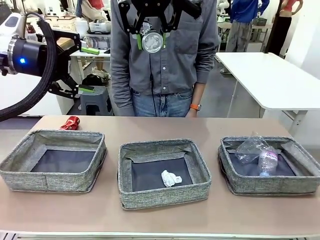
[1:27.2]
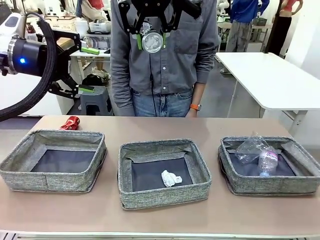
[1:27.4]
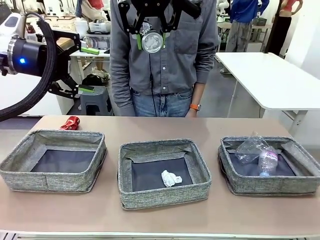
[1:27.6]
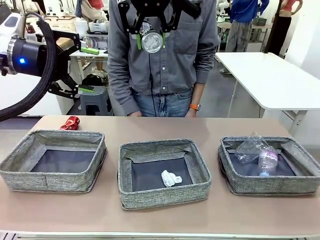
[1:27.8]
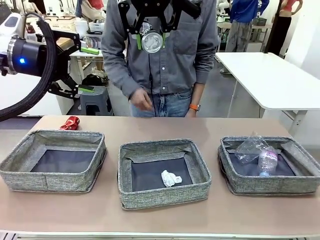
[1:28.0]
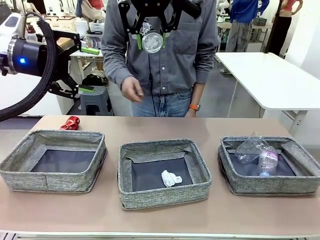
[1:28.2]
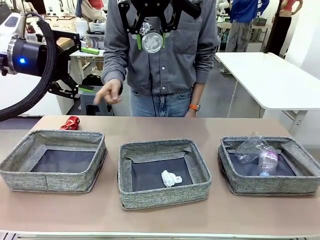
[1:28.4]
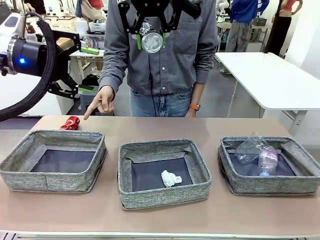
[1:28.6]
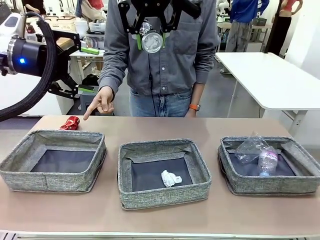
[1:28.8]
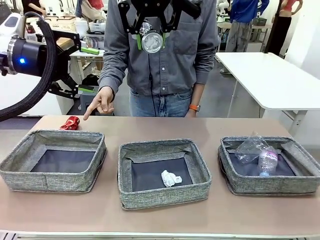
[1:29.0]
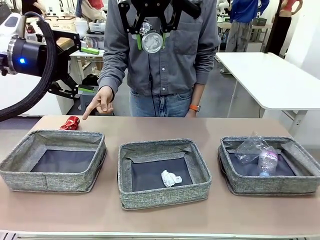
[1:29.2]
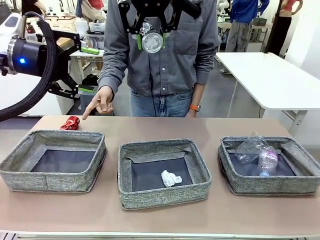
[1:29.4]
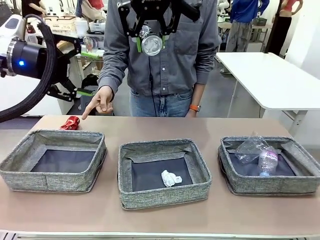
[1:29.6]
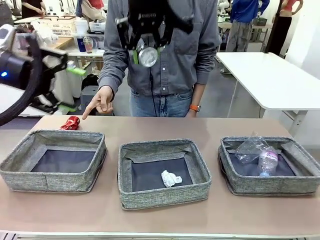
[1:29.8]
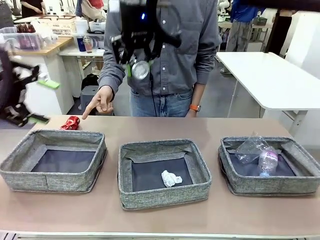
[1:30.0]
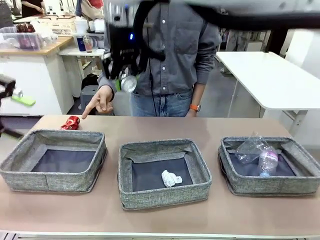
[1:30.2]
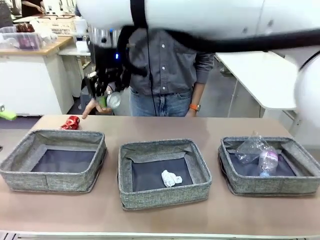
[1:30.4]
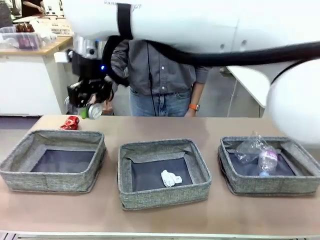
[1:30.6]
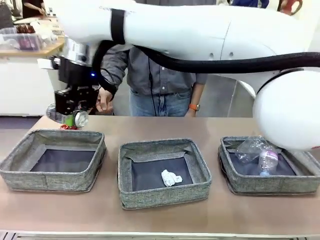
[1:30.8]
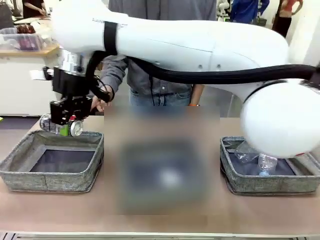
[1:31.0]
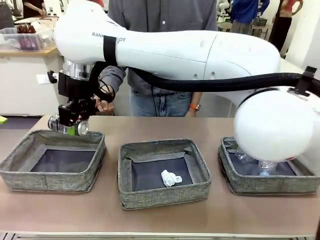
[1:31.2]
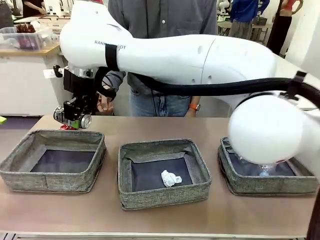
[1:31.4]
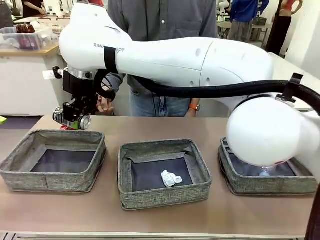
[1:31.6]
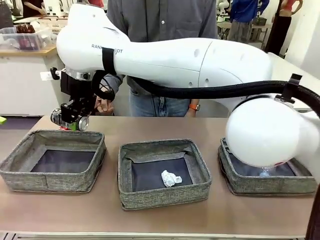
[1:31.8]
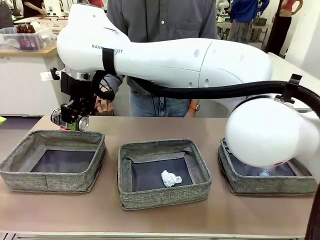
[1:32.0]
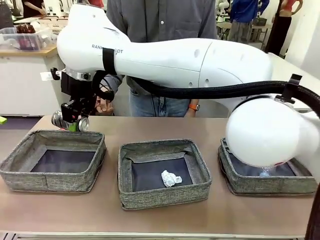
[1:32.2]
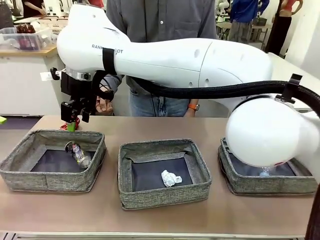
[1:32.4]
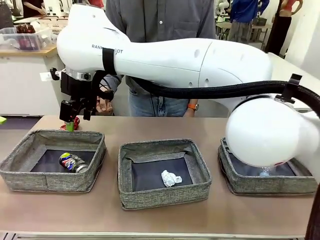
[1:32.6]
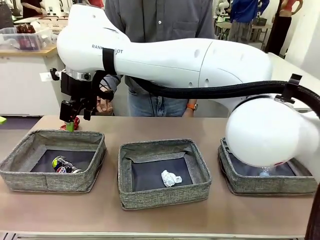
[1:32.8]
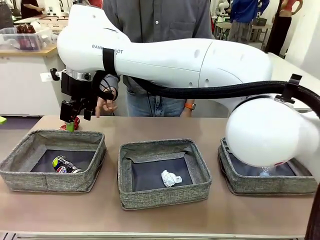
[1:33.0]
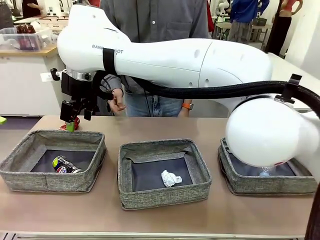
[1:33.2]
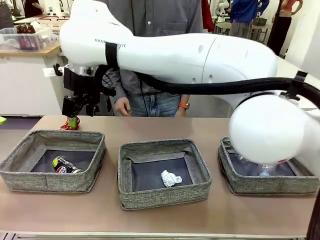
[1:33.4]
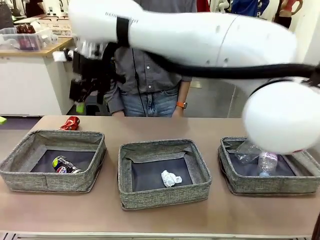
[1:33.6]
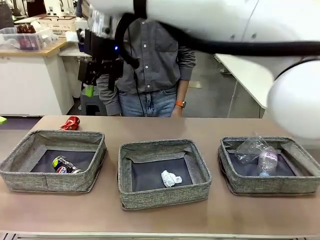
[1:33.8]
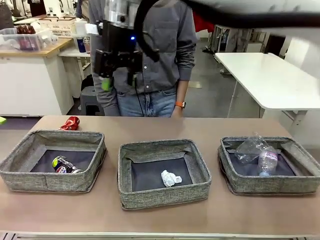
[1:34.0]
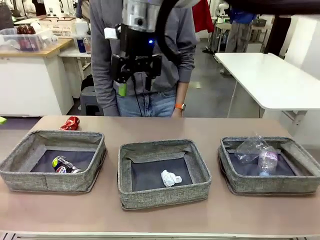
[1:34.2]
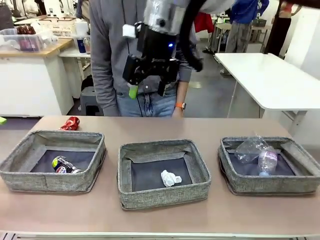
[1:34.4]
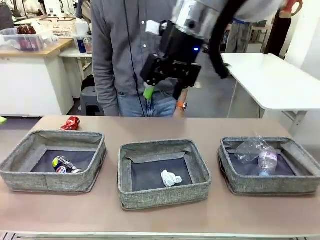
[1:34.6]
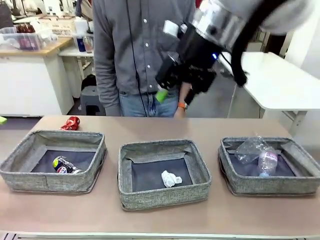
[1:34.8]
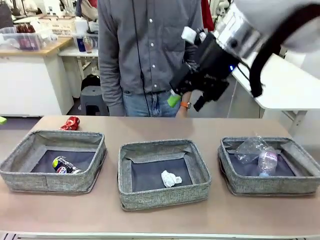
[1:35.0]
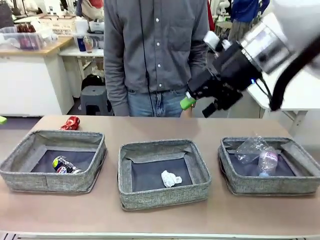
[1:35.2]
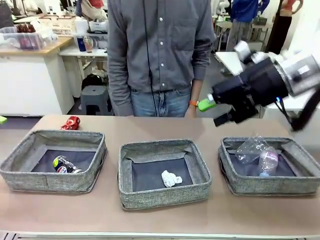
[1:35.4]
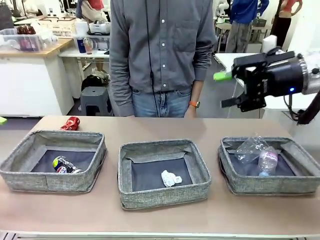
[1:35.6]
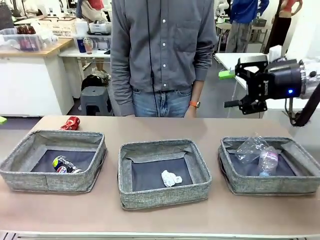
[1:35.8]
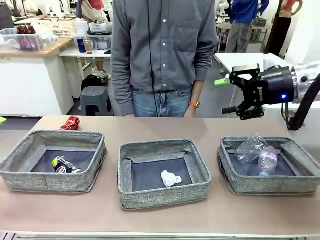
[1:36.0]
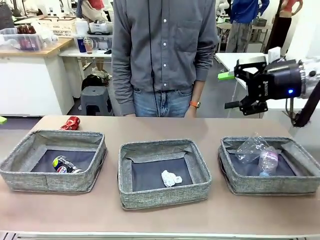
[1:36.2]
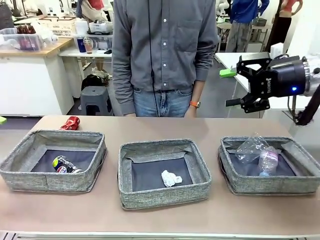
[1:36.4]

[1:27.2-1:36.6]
Task: Sort the waste into the appropriate baskets.
Robot: Place the picked waste into the Fabric basket indicated by the person.
Person: Instructs the robot to place the picked-up trash into the appropriate organizing basket.

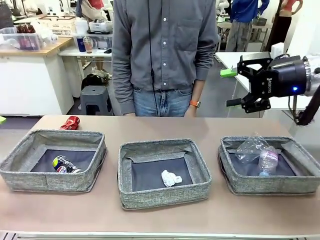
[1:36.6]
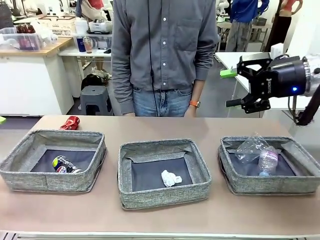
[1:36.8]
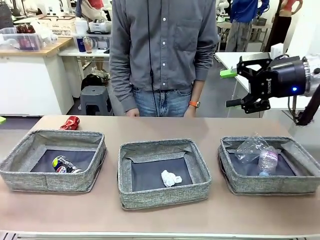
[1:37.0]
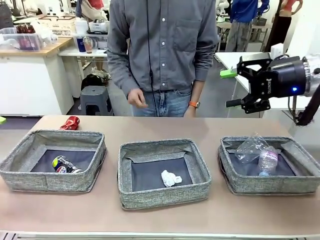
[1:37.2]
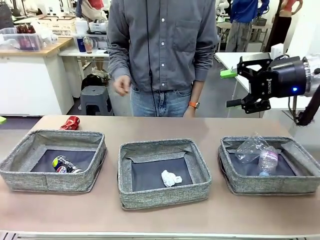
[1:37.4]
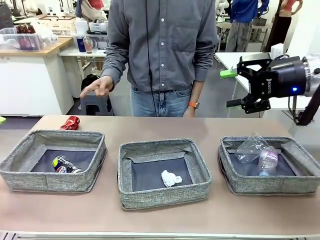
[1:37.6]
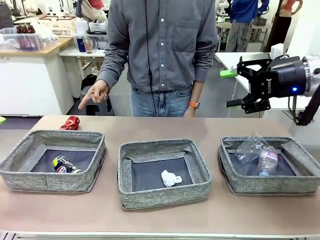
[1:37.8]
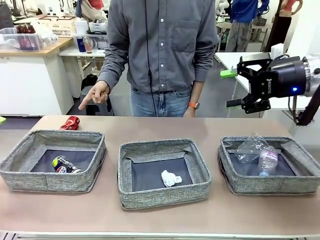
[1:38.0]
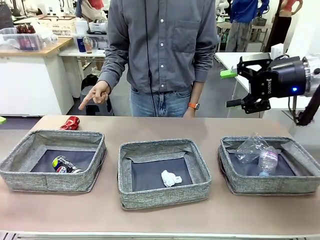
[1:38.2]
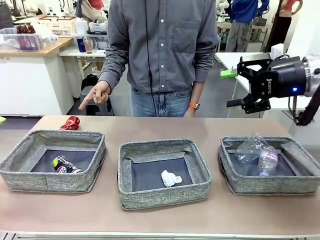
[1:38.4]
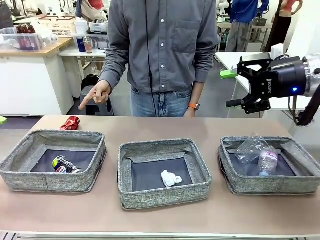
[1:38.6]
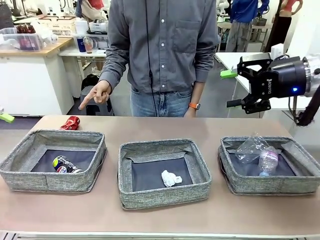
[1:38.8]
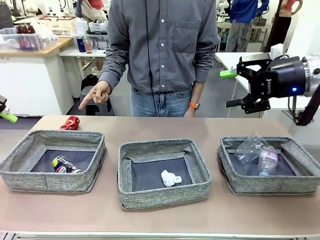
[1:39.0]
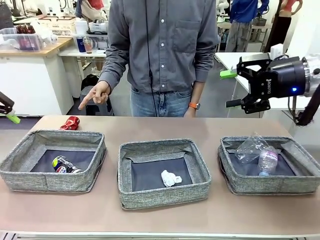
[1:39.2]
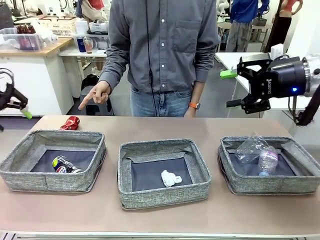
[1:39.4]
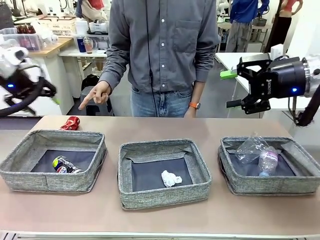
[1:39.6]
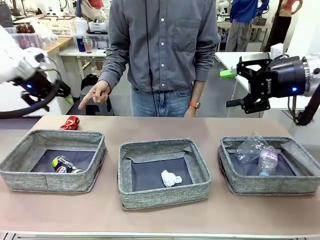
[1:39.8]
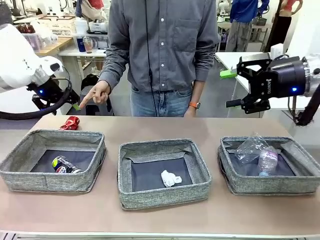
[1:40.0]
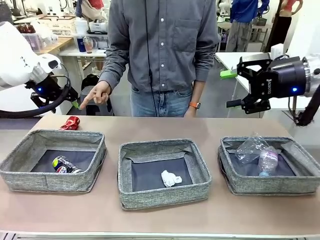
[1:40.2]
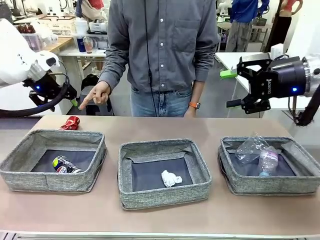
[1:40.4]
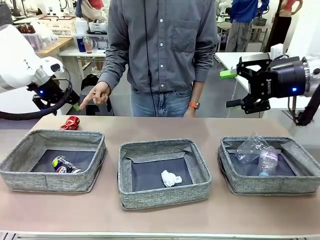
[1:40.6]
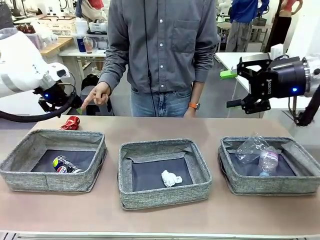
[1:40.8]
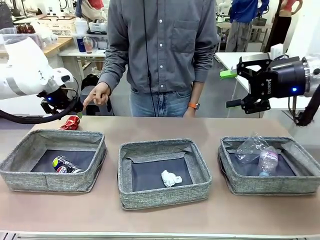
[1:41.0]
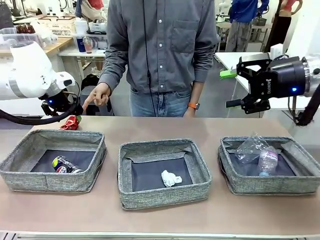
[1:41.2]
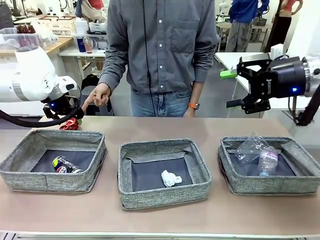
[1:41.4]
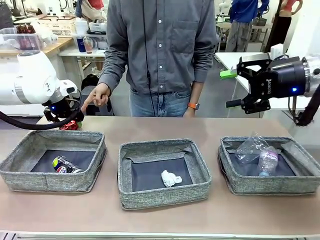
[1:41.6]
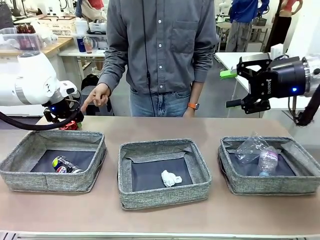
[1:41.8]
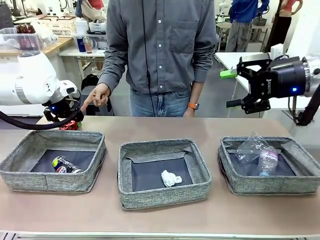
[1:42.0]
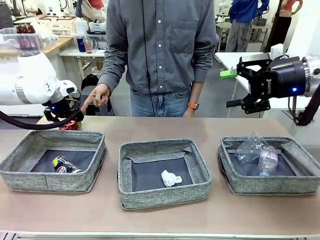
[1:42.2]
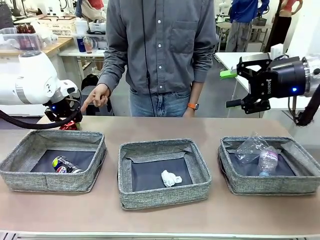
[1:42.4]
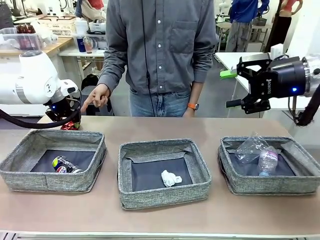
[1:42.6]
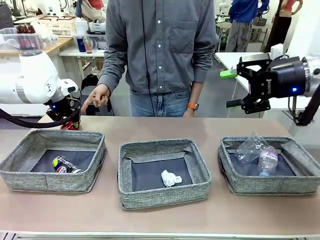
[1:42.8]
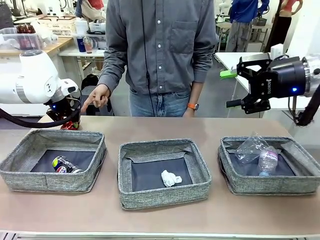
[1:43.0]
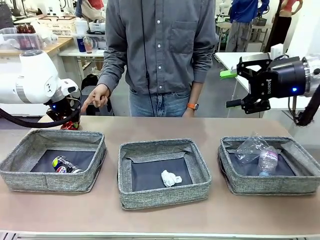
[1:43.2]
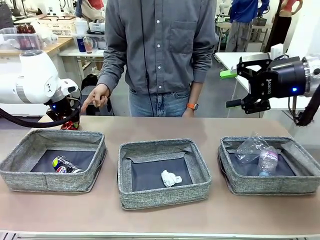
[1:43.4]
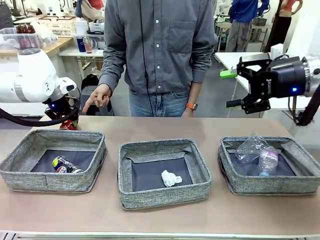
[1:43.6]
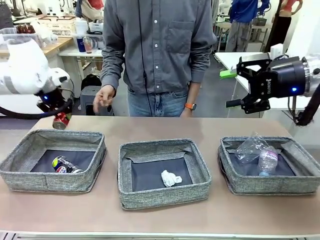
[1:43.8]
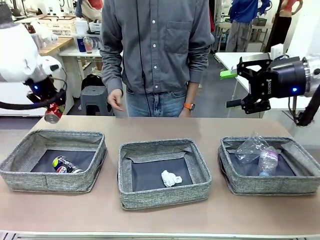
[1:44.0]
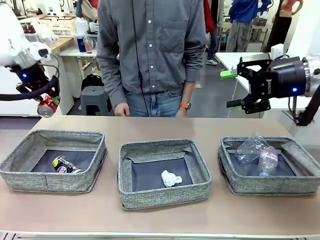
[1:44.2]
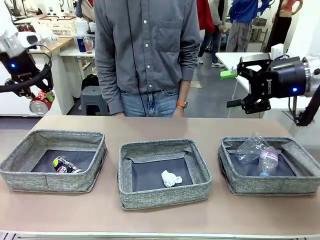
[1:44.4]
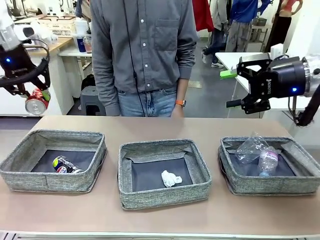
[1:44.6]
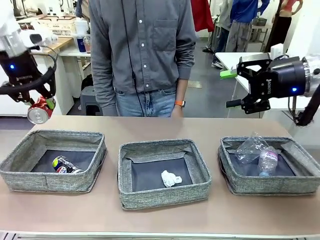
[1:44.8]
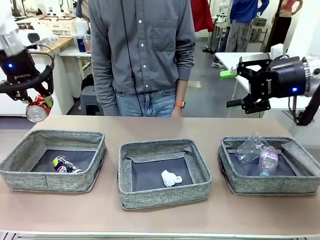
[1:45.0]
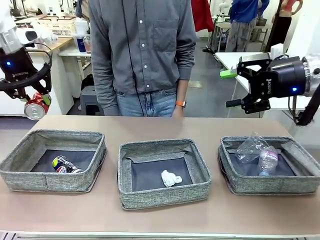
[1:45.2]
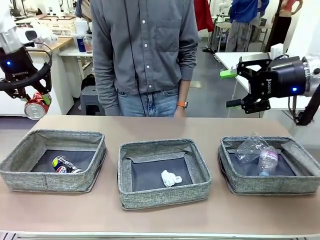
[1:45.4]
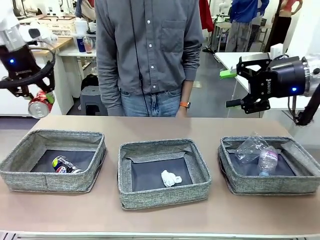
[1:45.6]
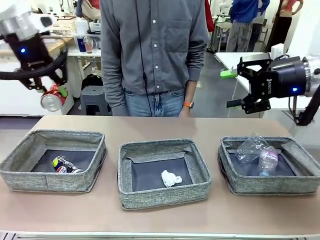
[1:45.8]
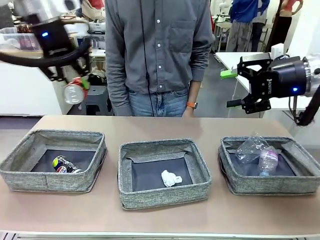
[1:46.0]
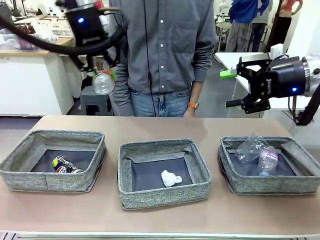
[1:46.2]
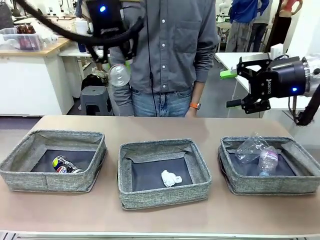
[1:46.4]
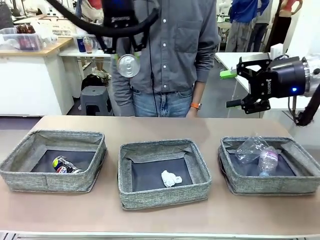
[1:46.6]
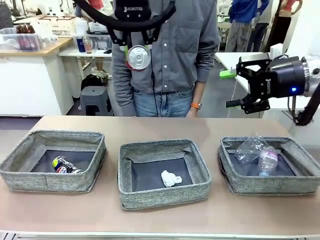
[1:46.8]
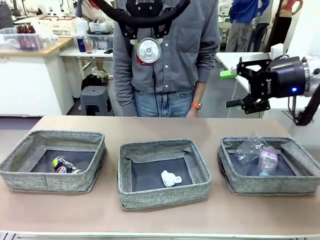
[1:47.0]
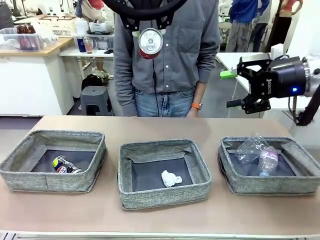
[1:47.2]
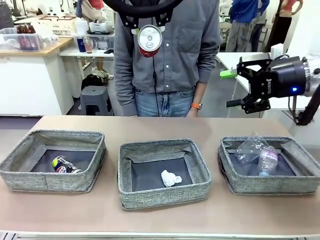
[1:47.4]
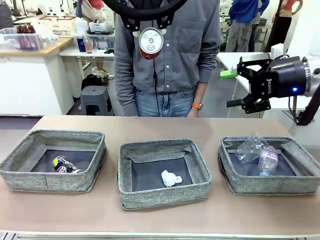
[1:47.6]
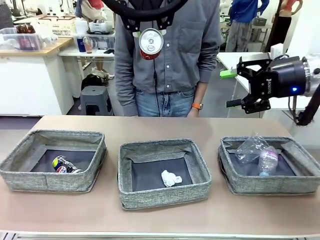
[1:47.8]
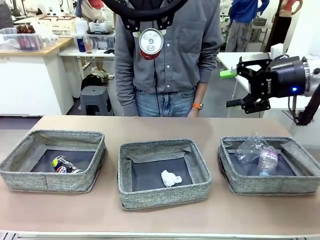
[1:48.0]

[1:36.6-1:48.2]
Robot: Pick up the waste item pointed out by the person.
Person: Points to one piece of trash on the table.
